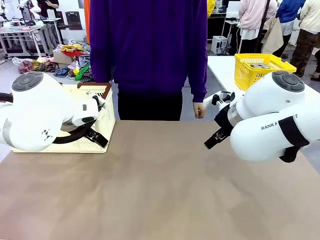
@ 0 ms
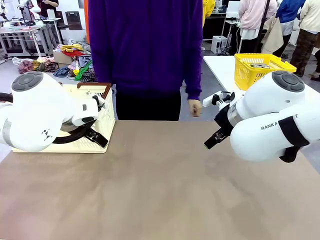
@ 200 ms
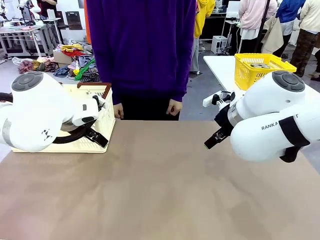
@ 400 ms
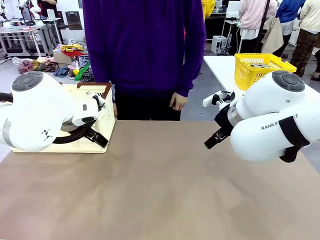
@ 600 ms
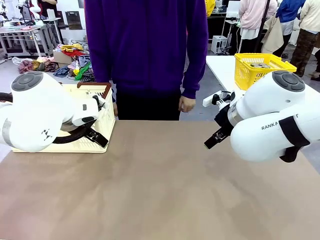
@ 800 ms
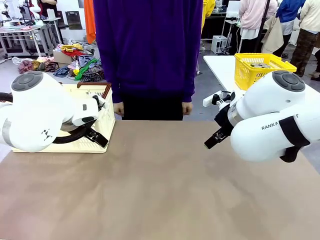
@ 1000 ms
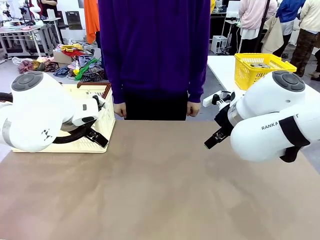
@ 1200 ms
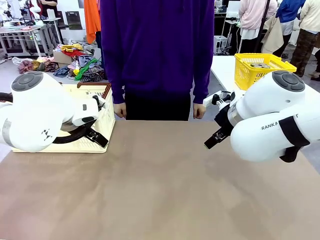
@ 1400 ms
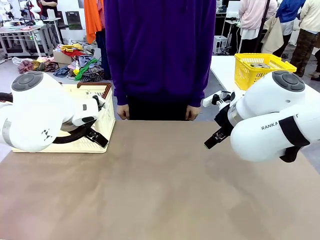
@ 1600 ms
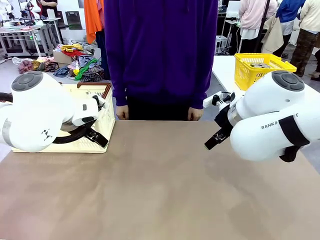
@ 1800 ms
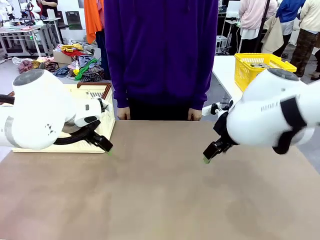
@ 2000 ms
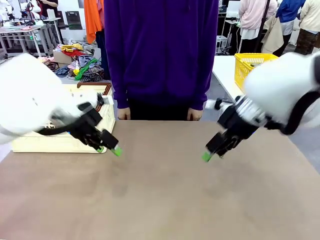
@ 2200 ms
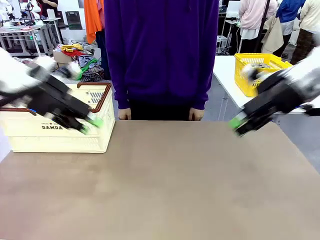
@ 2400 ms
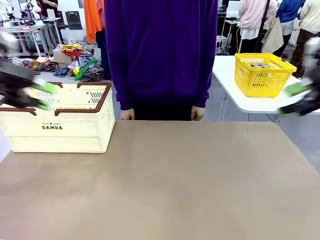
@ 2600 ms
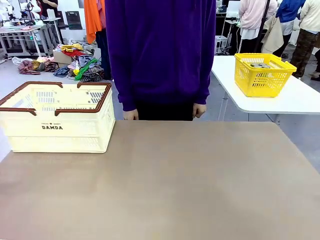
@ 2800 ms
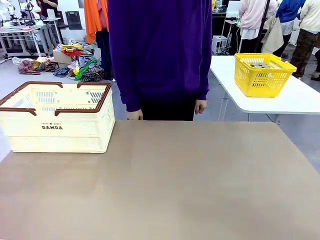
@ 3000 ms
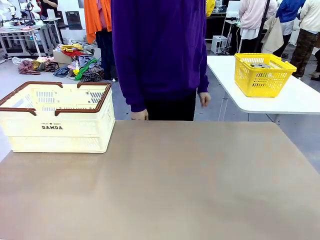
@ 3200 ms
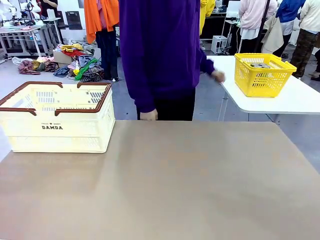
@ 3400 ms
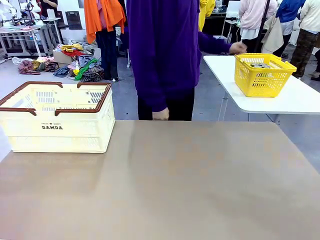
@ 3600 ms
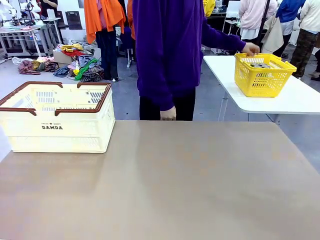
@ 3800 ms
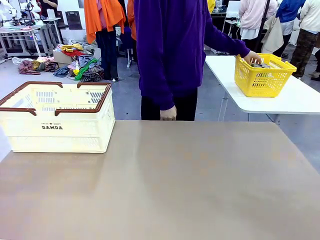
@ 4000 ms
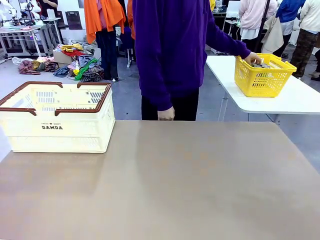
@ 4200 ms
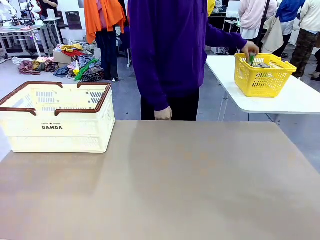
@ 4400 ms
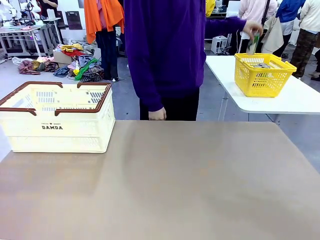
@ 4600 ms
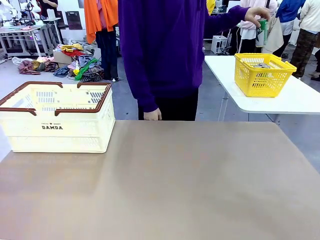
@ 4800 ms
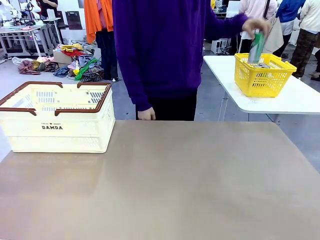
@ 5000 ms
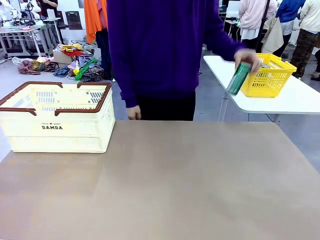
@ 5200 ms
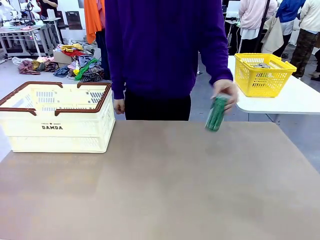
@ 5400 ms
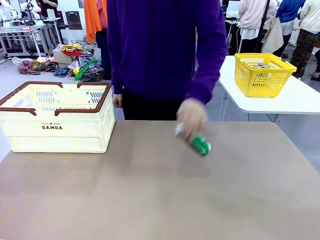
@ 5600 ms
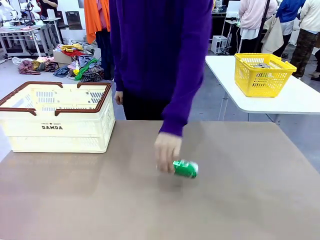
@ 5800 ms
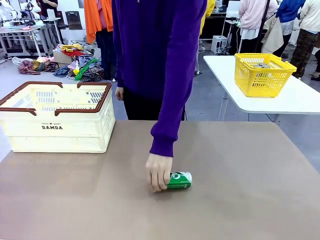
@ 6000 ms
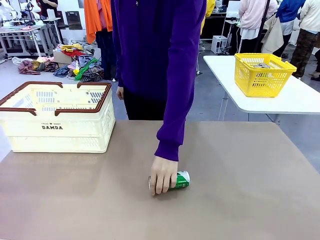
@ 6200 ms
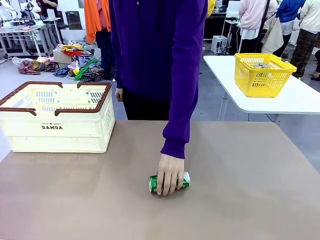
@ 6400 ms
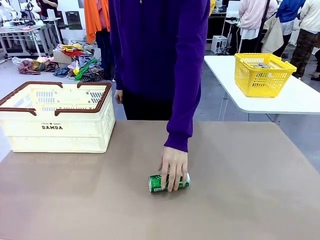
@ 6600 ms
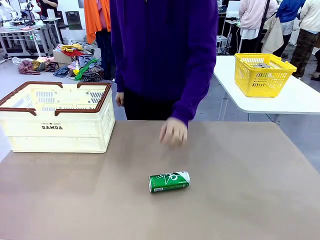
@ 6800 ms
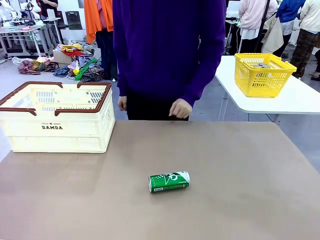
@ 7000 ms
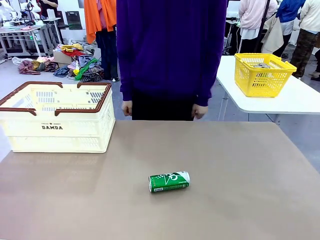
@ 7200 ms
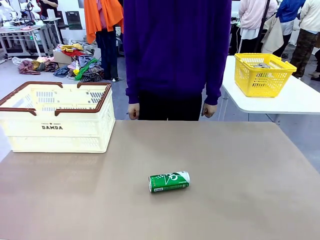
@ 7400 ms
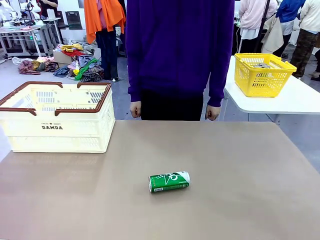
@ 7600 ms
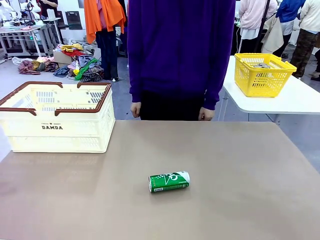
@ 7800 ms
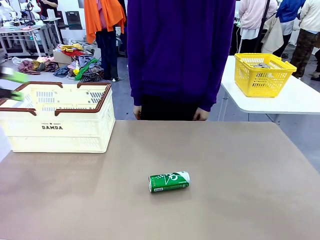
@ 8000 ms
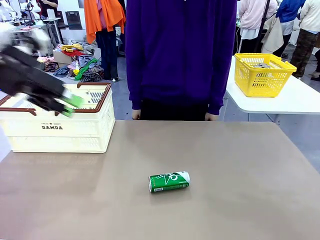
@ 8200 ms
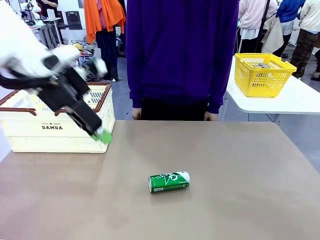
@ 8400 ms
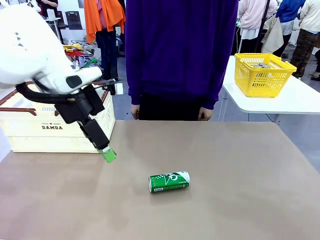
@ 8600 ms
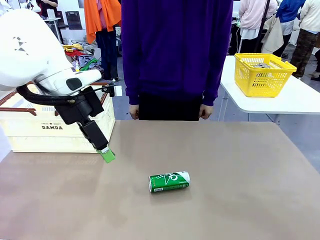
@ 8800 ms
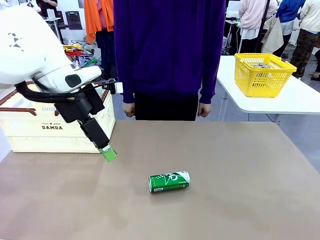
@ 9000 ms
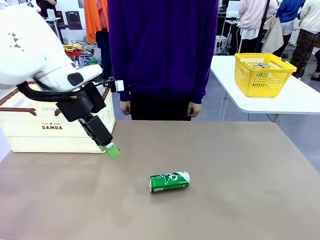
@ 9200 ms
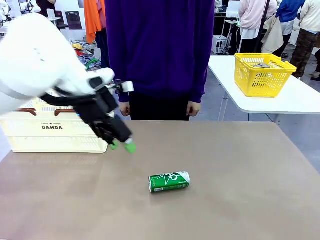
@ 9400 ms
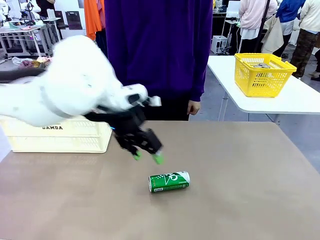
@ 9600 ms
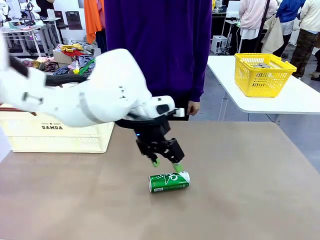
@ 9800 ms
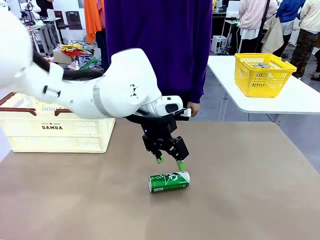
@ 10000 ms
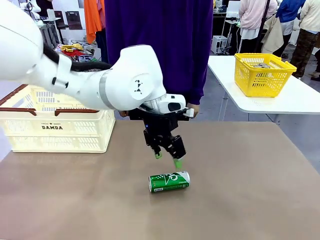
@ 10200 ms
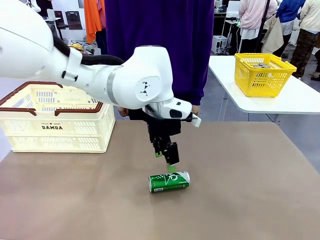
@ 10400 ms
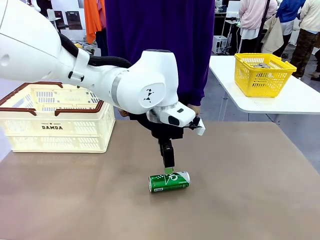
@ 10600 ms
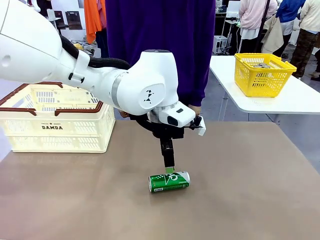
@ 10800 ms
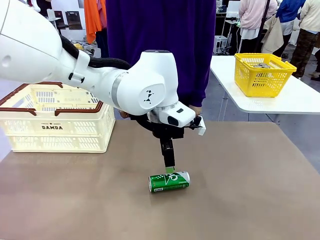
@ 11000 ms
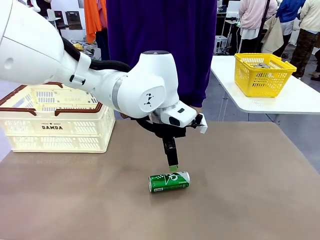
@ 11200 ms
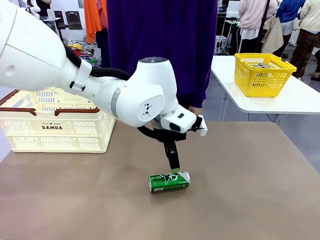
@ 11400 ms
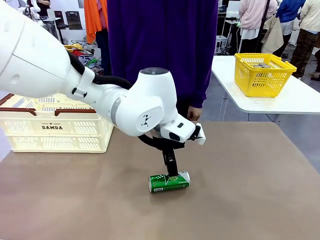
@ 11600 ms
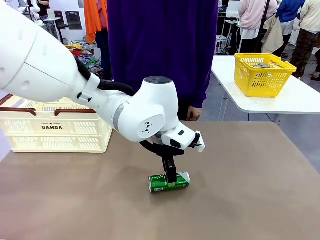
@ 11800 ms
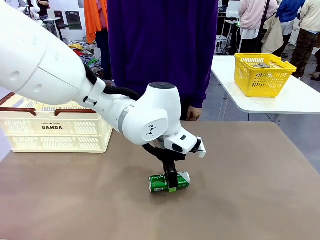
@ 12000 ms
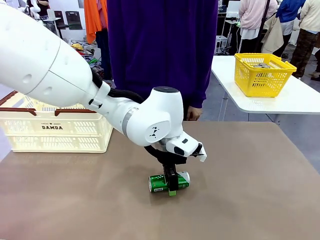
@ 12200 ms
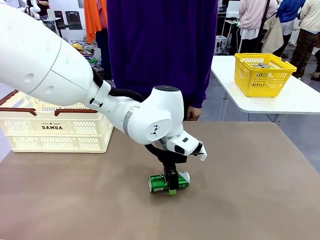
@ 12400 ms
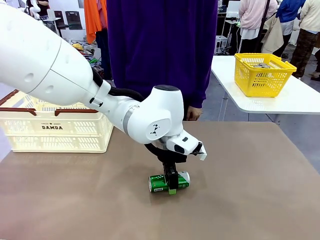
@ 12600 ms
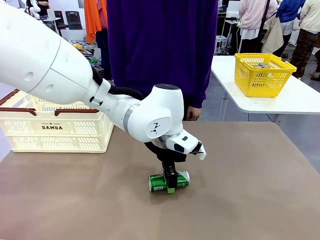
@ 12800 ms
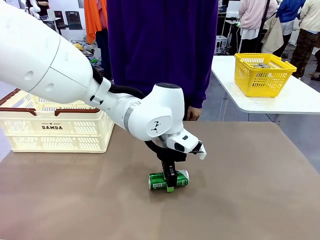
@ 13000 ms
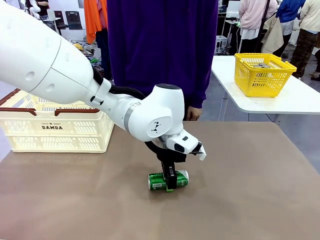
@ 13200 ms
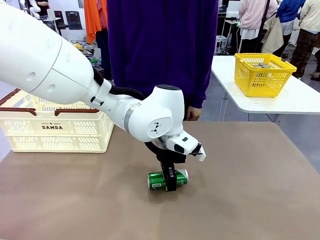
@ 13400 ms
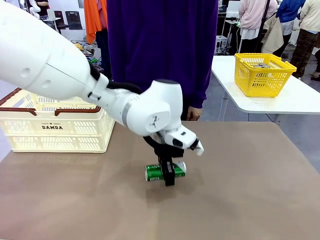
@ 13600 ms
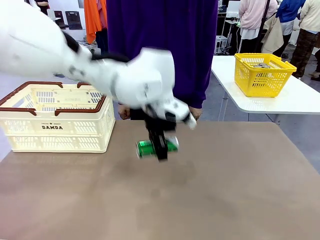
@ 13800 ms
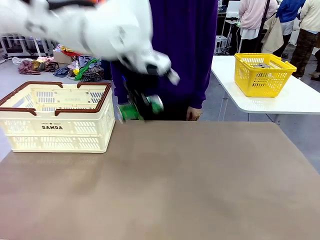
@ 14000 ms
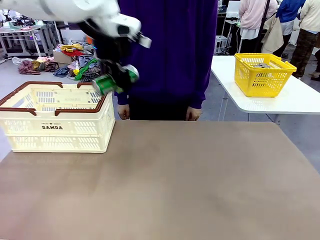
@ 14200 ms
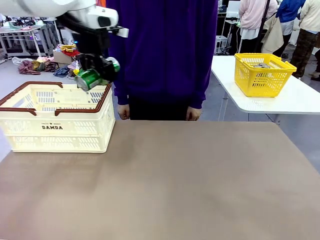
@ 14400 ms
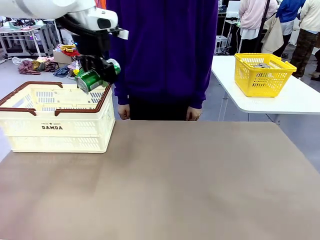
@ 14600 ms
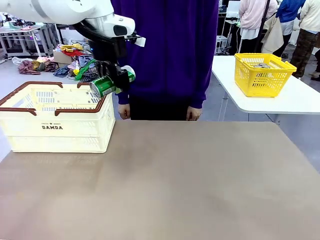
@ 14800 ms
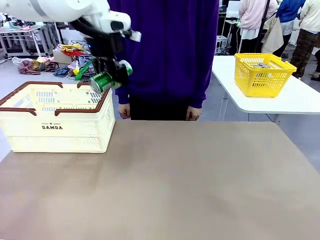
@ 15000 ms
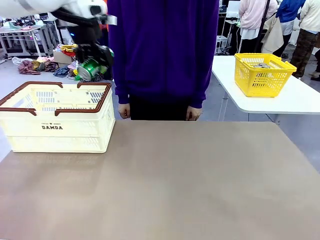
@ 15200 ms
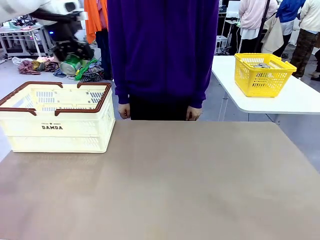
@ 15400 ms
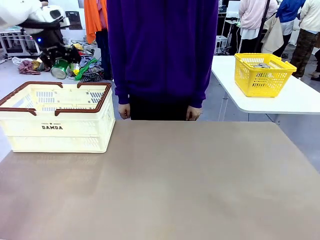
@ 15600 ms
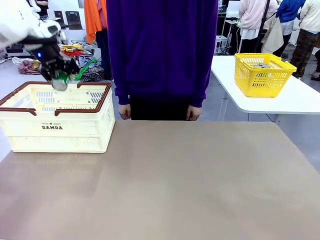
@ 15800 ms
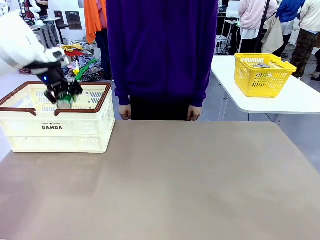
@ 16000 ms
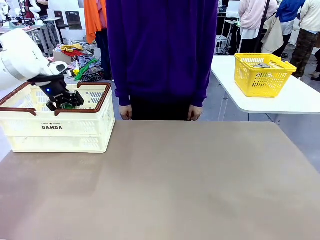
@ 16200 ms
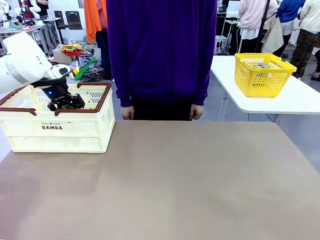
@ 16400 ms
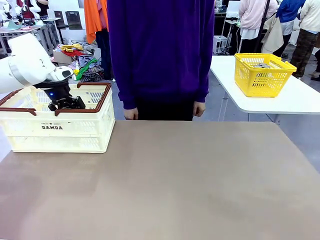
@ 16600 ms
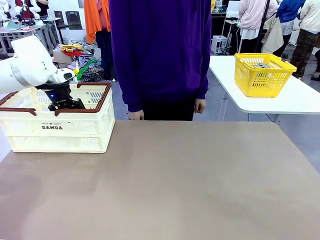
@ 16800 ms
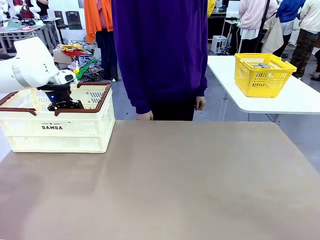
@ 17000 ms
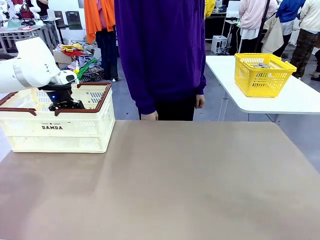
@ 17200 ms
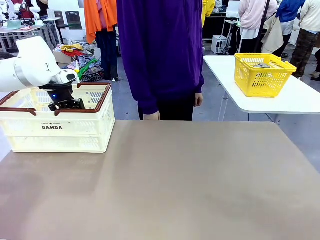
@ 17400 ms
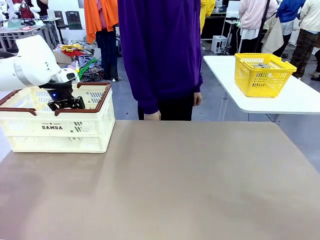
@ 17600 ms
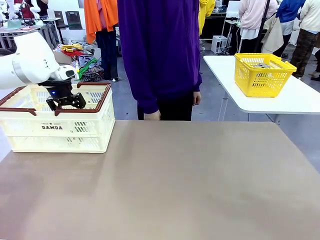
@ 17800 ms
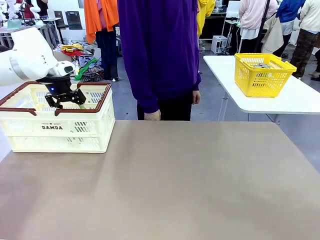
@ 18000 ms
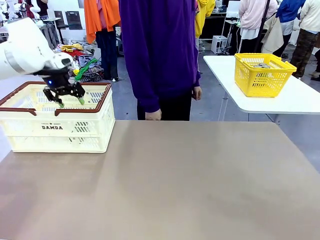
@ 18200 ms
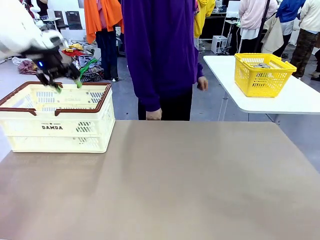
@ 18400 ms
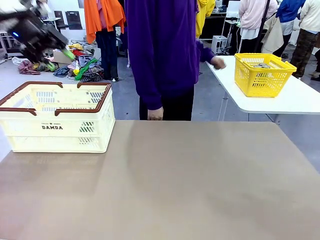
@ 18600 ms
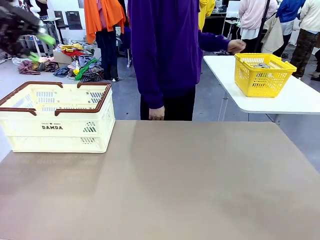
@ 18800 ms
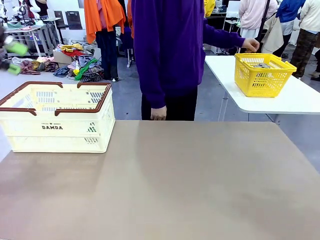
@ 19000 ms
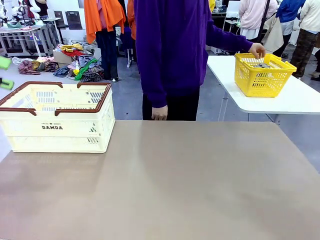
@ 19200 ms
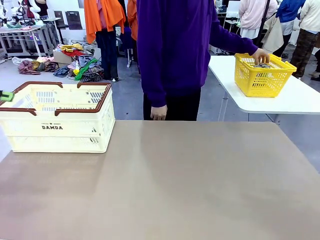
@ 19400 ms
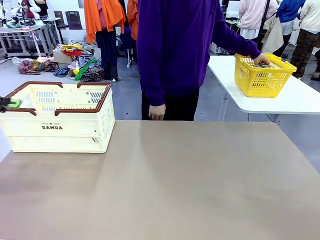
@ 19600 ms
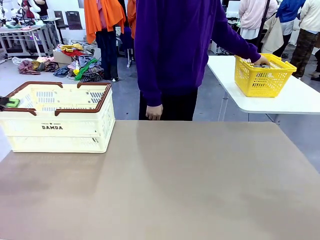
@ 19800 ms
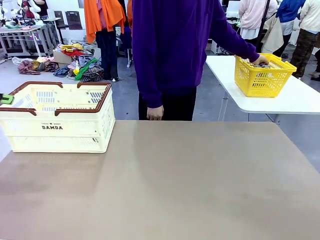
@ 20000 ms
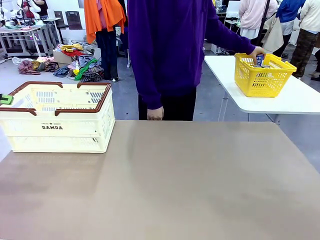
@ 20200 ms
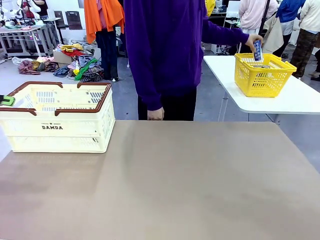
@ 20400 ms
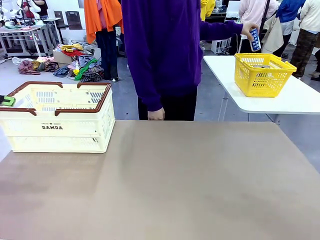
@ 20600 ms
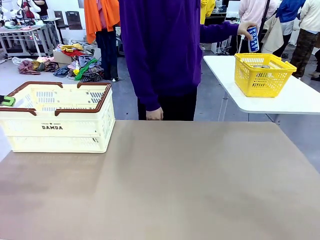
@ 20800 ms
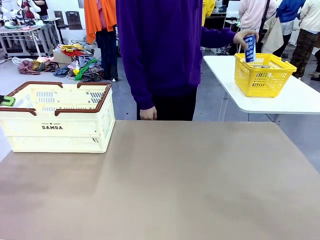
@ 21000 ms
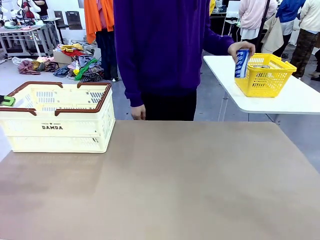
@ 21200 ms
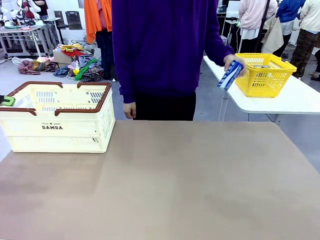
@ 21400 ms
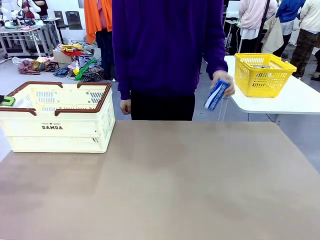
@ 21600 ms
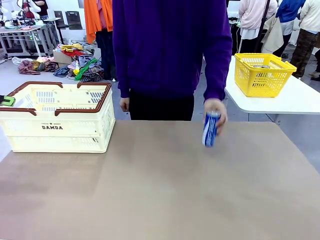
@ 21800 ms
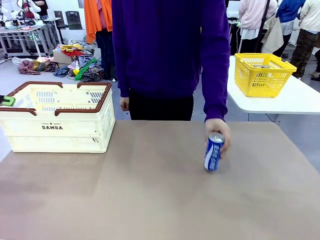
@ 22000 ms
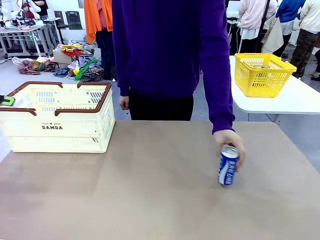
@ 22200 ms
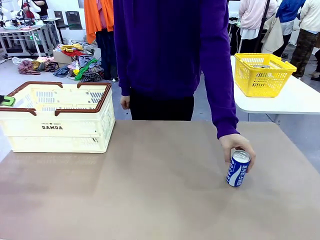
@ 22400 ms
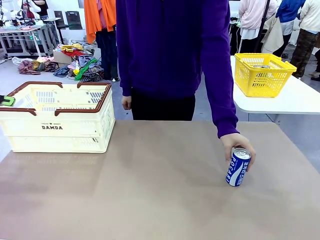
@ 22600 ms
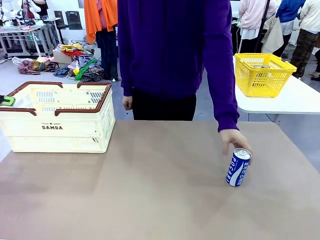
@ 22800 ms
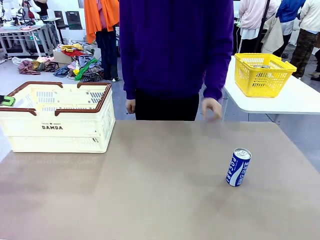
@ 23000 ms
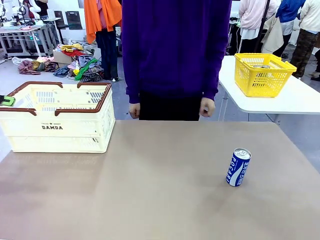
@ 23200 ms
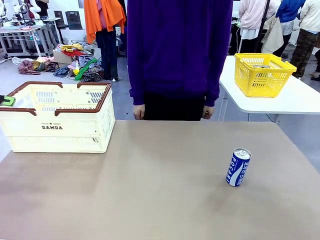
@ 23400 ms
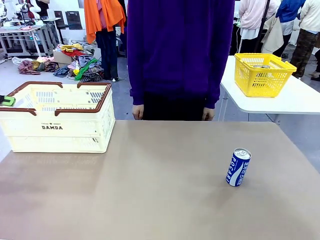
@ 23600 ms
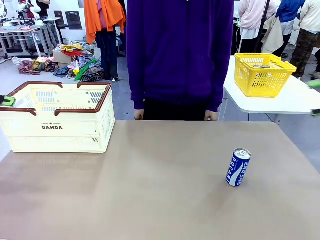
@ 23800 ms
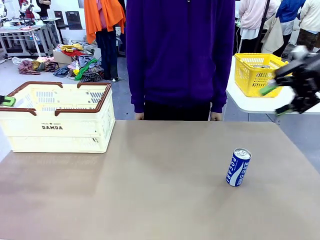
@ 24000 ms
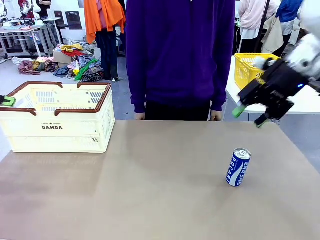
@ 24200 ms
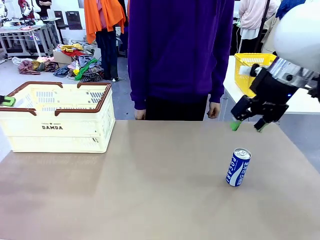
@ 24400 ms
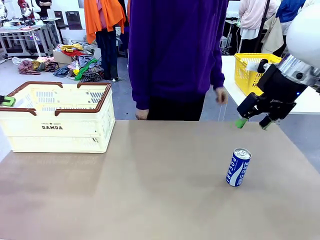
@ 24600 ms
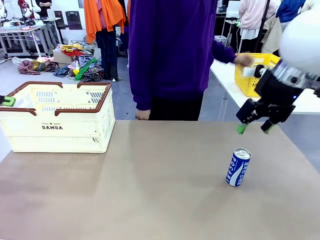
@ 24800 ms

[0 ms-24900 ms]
Task: Place the drinks into the Shopping basket.
Robot: Pick up one drink and place it into the Shopping basket.
